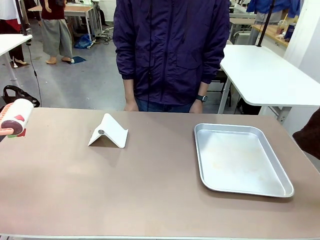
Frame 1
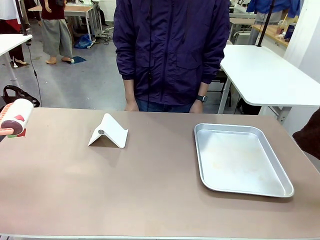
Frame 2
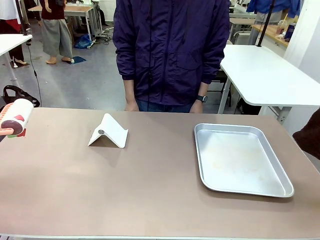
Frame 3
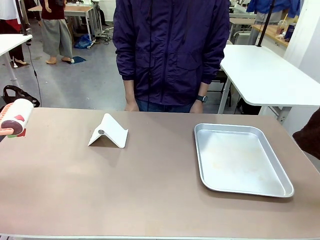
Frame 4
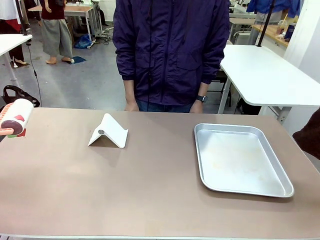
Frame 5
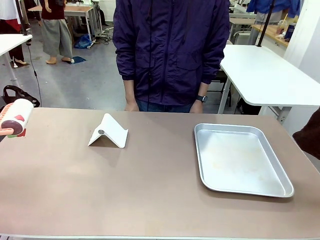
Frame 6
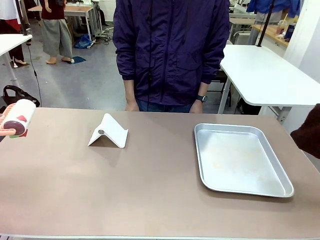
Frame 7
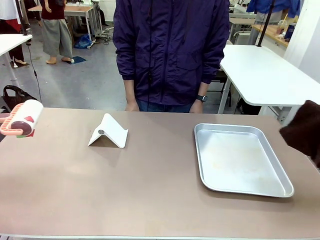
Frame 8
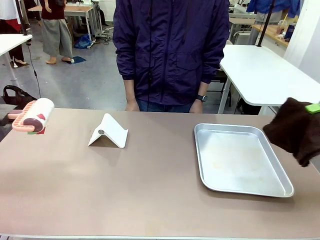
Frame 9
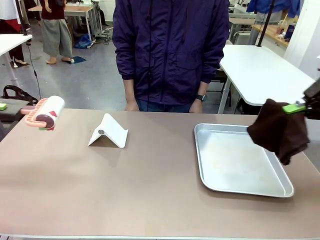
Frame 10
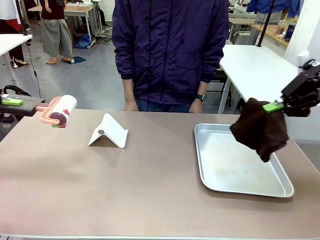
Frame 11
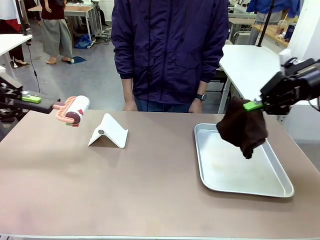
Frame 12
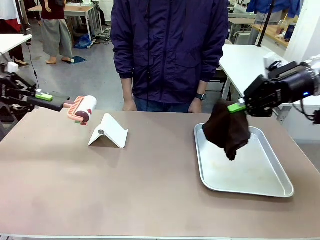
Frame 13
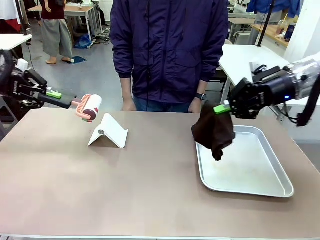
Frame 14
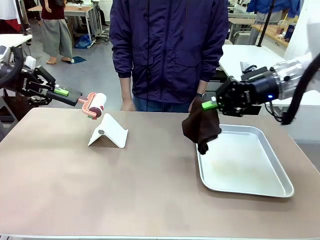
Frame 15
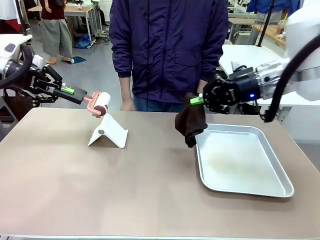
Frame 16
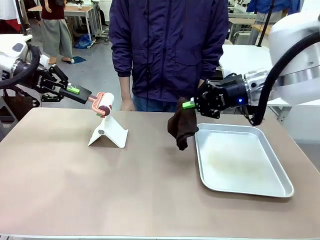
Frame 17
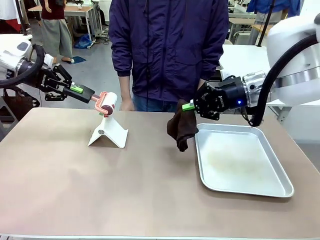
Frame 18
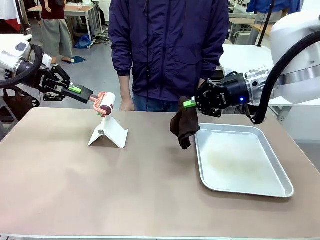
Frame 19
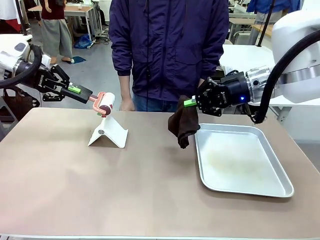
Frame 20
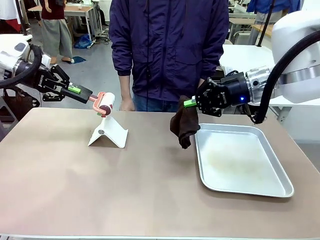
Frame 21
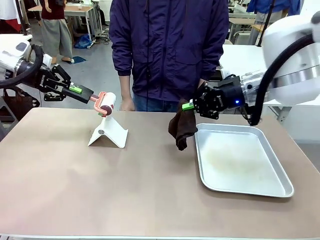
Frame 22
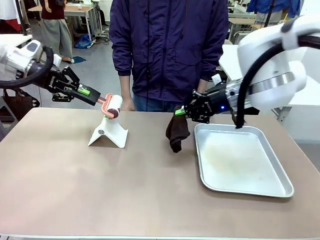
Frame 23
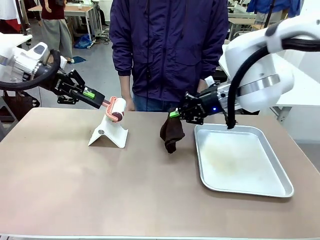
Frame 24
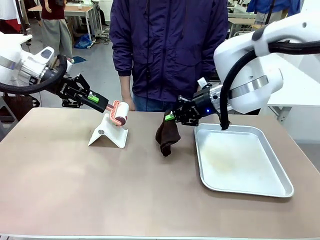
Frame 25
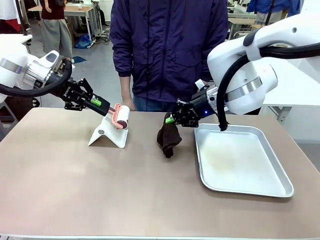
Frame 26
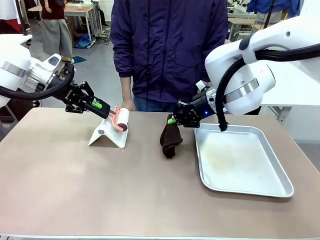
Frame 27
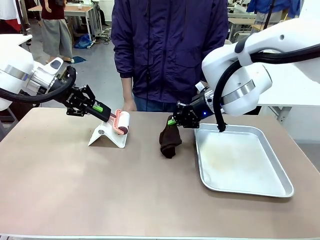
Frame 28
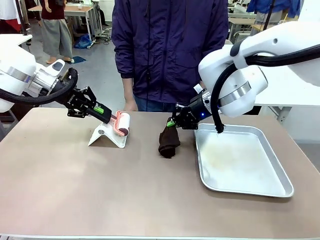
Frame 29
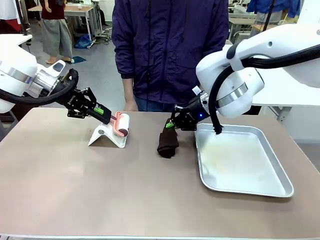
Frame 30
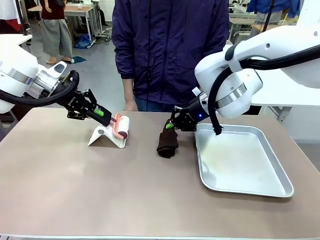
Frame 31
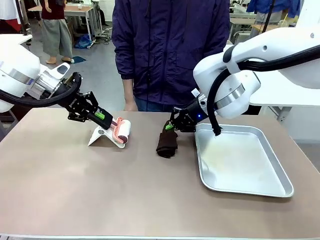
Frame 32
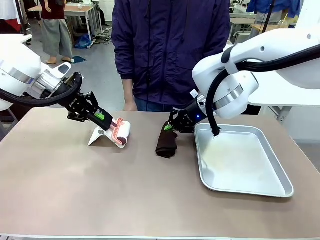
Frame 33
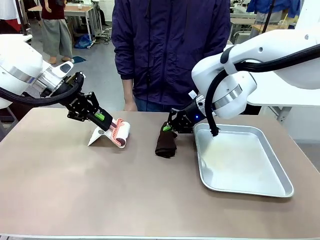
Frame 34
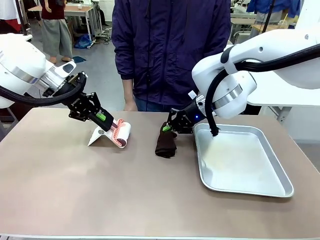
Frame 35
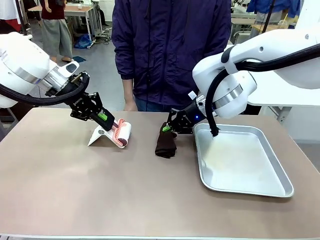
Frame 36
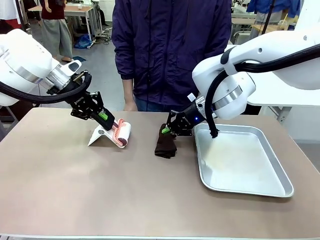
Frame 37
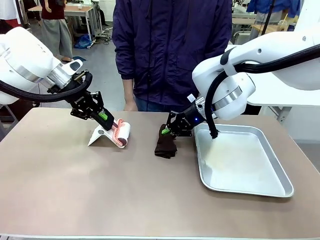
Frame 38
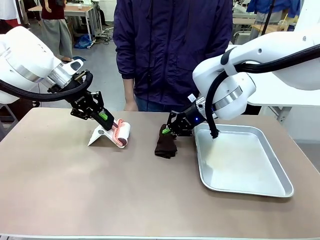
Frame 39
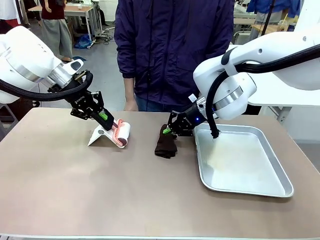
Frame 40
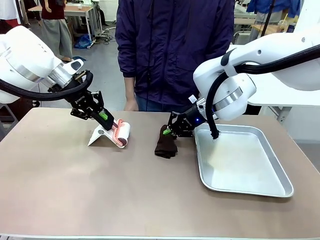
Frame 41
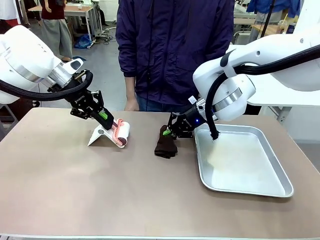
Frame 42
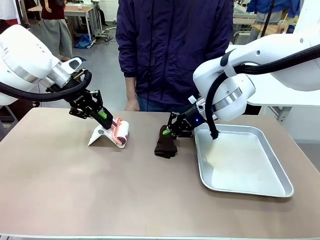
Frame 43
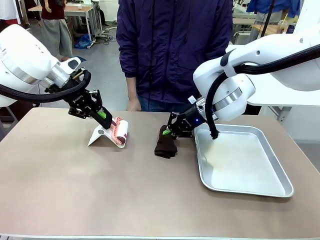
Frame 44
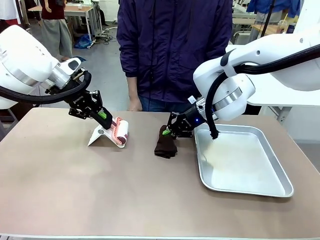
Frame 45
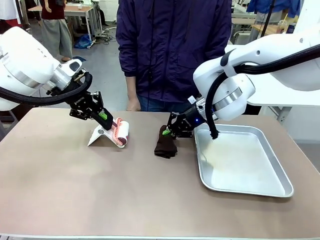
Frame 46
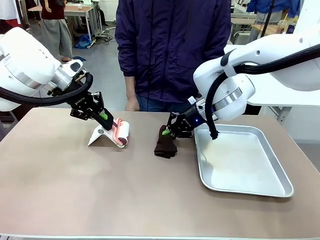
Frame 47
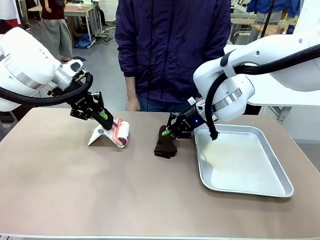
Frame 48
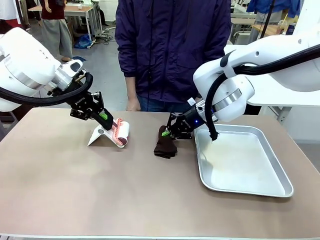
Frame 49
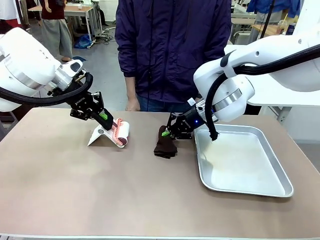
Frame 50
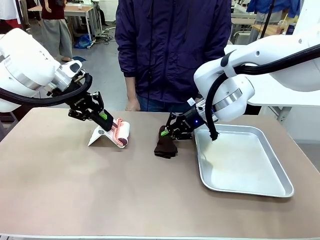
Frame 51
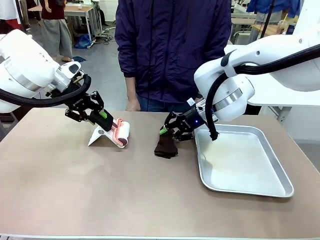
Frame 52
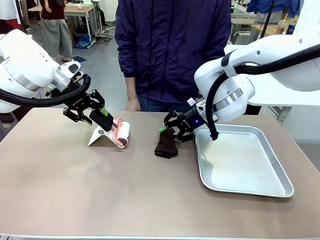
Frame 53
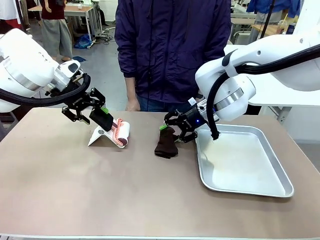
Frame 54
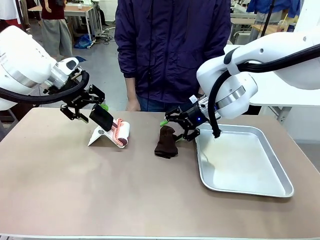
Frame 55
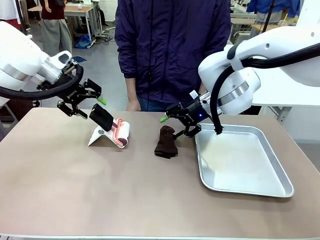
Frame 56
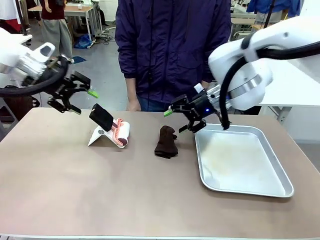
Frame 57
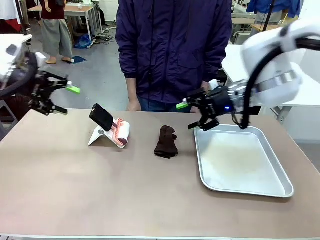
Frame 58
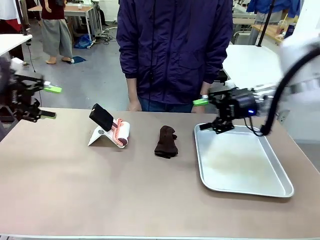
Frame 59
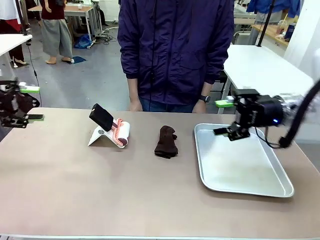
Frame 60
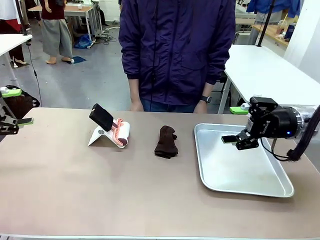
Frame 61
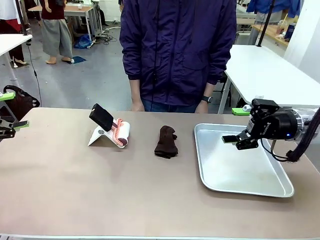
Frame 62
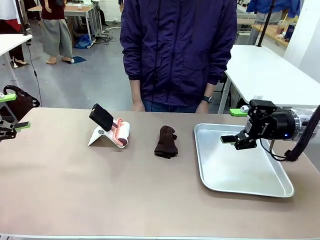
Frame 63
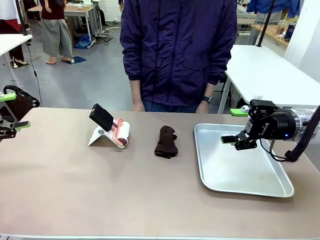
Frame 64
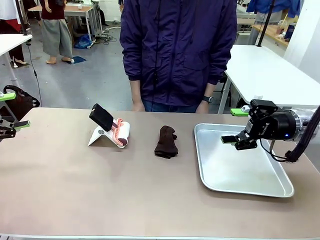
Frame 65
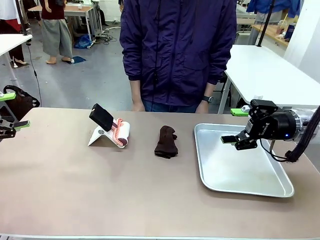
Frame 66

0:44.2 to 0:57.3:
Task: Clean the surface of the table.
Robot: Return the Lint Roller and towel to their original positions.
